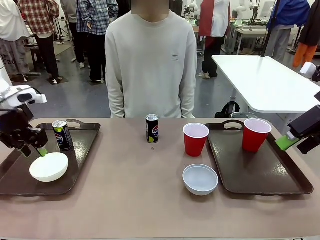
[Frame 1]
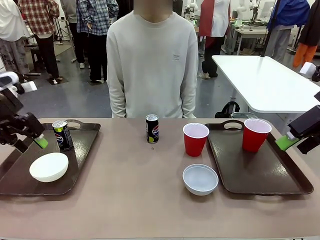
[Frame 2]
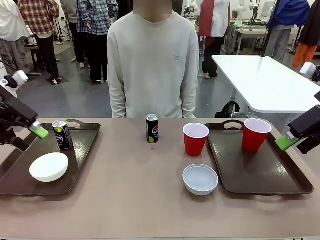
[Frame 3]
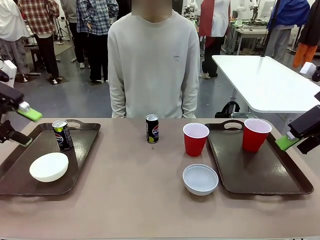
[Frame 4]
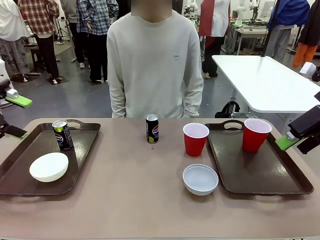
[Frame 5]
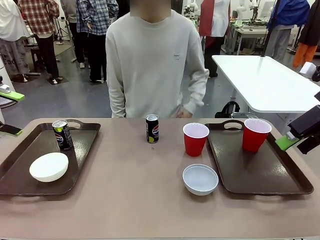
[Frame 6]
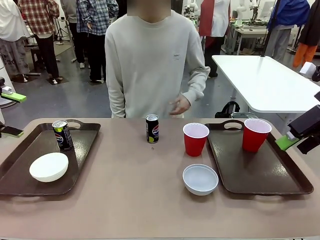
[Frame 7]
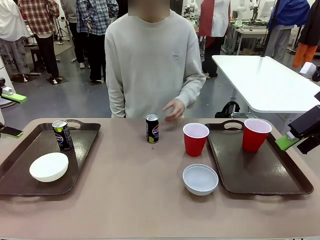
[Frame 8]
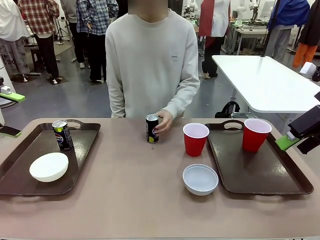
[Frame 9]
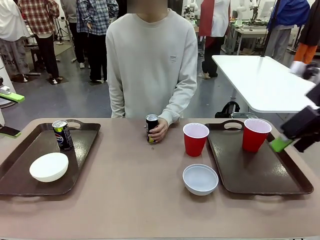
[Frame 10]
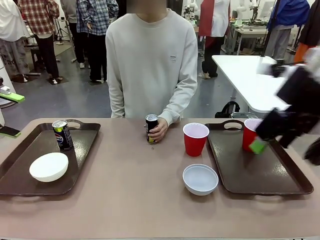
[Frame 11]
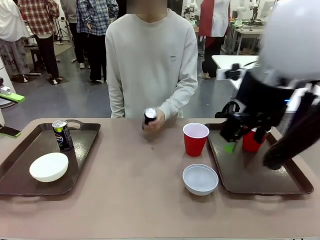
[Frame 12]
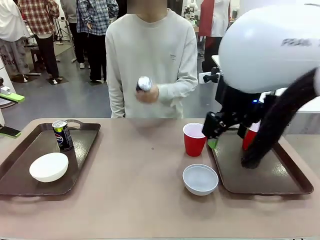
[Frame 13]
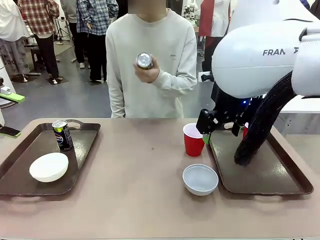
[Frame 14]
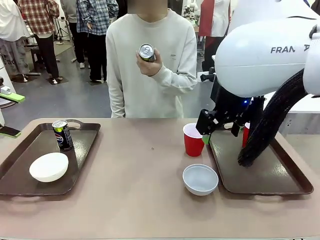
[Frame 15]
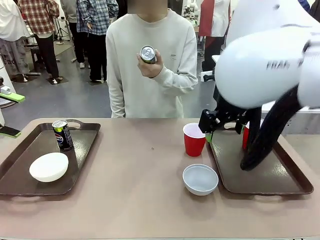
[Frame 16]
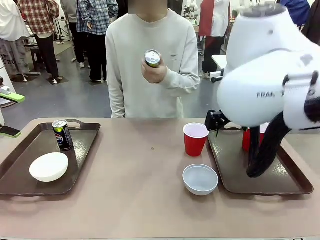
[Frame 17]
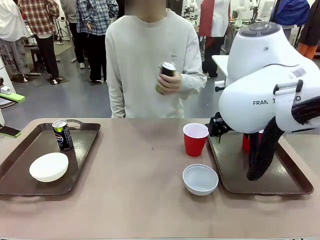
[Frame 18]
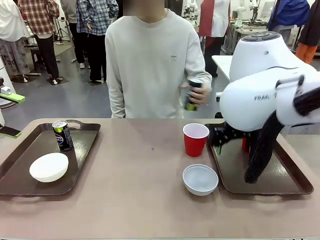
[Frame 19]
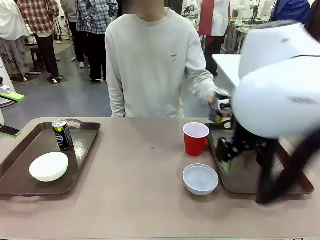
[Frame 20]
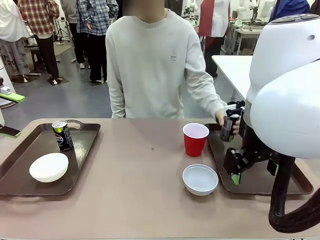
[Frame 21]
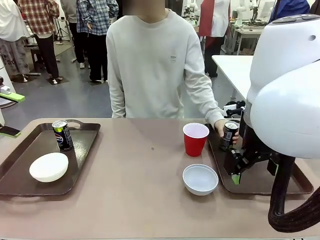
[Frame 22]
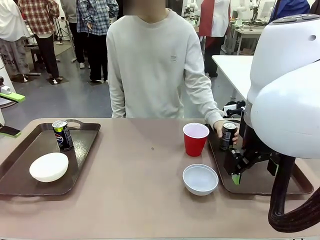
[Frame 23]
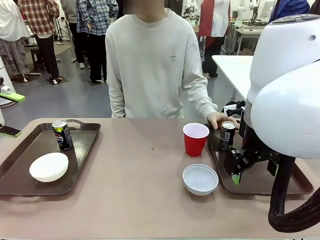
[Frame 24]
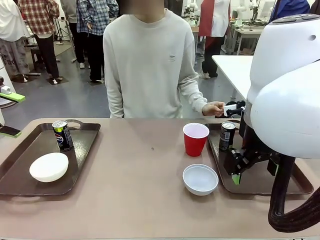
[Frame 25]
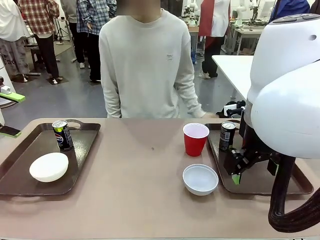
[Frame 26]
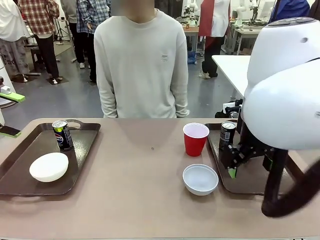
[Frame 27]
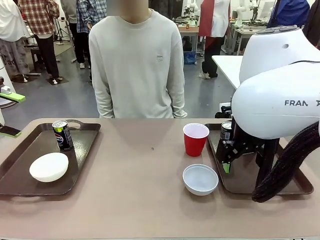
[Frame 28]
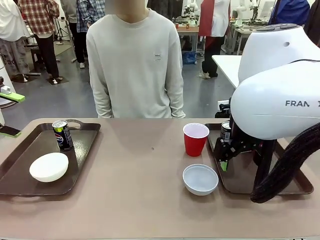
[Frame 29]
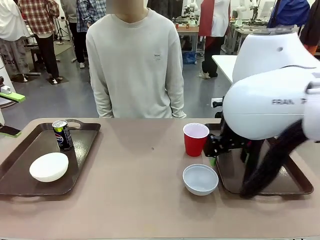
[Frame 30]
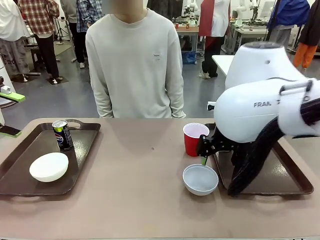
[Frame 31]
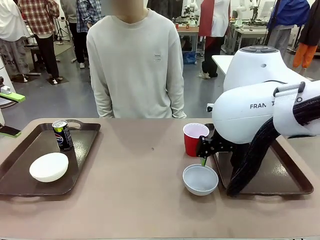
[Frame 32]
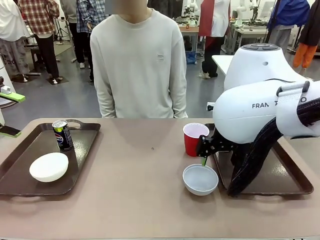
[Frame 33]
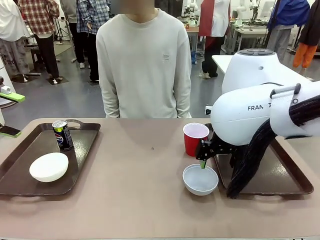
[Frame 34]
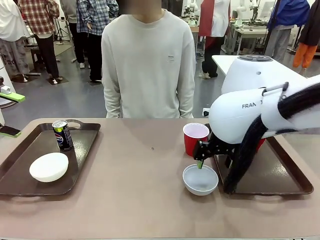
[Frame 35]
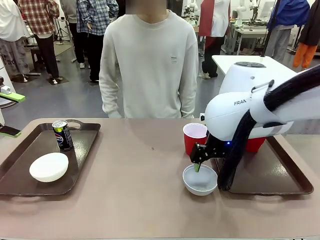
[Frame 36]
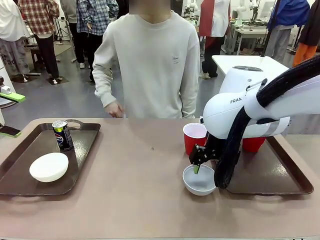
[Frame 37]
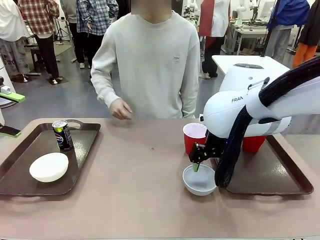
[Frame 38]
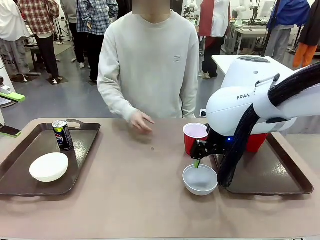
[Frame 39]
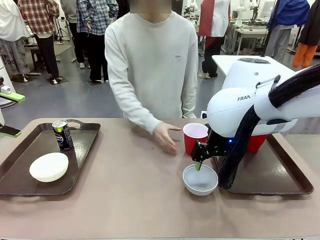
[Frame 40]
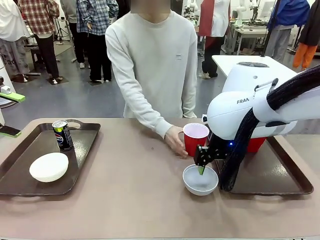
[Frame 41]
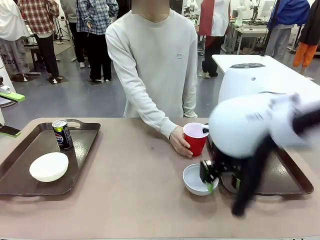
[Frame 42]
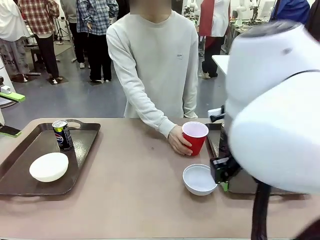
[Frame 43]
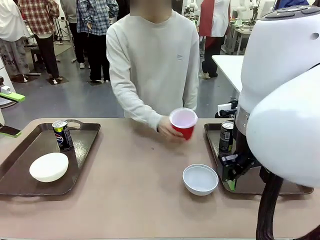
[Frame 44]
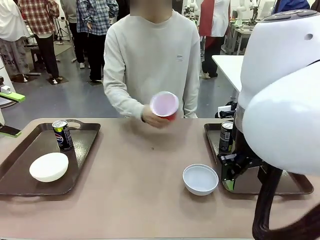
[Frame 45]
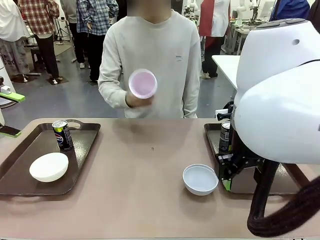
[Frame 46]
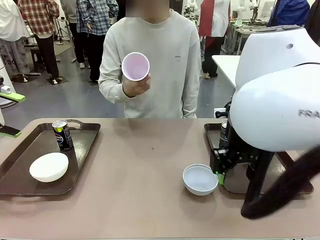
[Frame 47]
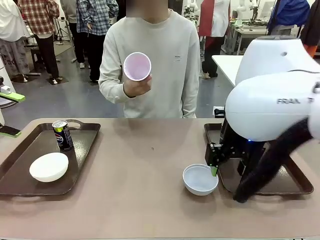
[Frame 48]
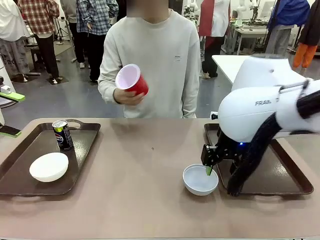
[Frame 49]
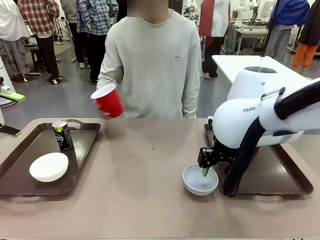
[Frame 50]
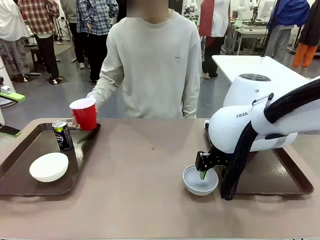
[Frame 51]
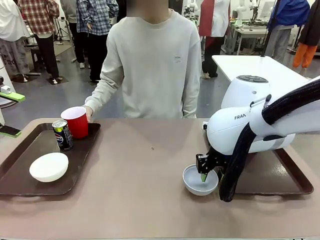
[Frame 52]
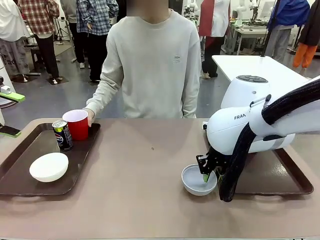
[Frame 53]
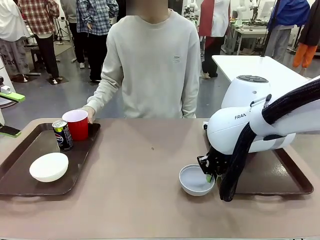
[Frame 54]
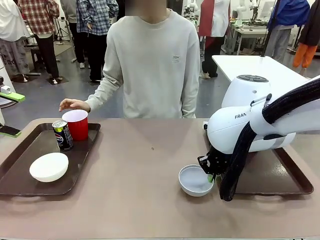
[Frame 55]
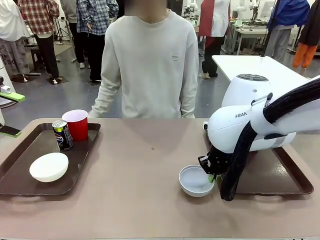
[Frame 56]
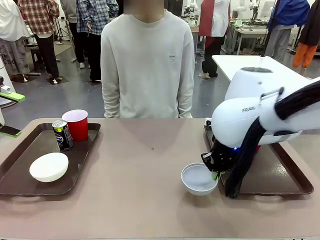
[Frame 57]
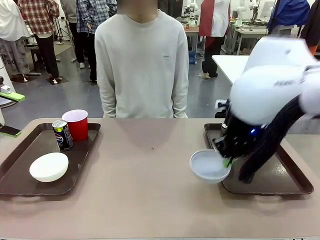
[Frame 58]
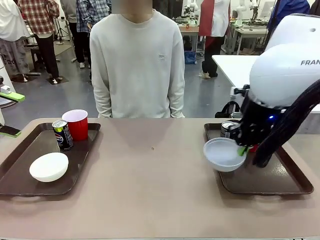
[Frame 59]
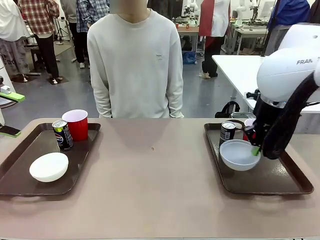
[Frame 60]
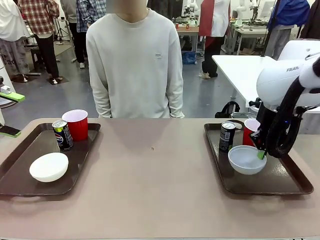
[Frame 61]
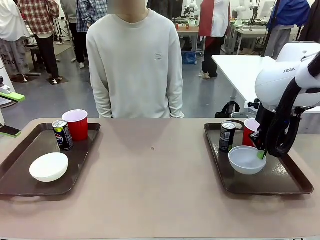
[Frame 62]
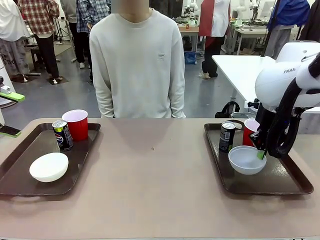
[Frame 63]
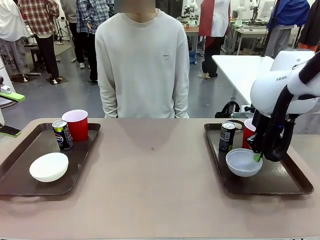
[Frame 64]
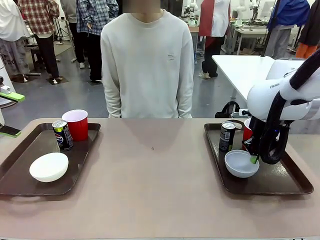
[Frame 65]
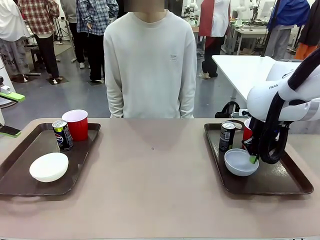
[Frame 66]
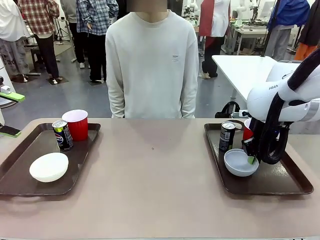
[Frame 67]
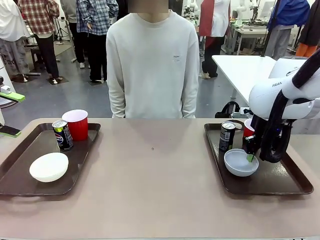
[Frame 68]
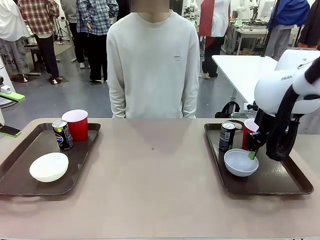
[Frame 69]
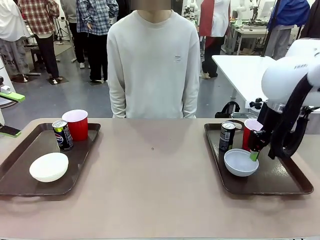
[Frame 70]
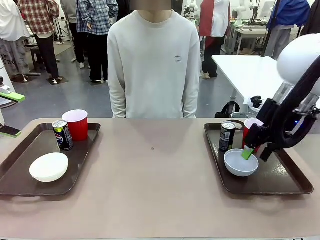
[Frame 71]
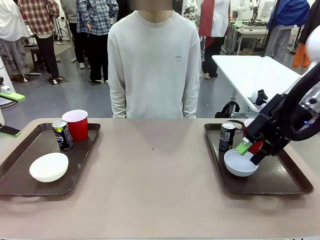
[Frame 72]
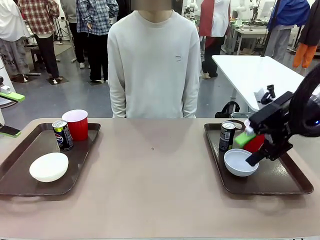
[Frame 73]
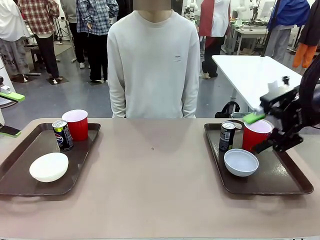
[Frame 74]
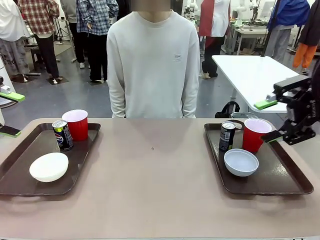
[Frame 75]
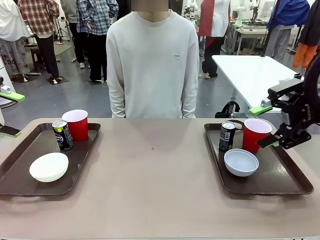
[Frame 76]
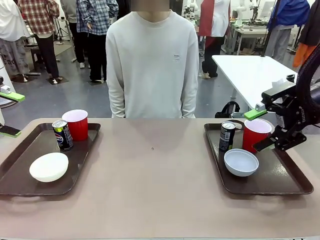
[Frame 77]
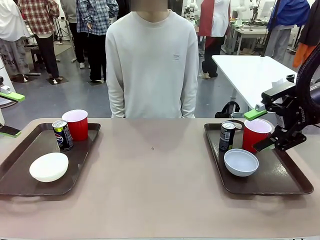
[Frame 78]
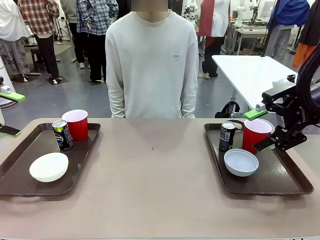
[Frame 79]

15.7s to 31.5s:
Task: Prepare tableware on both trays.
Robot: Pick up a Picnic Bowl from the table and place it on a Handle tray.
Person: Pick up a can or cup and place it on the tray without a can or cup.
